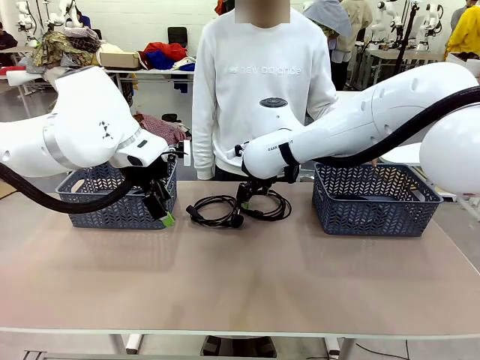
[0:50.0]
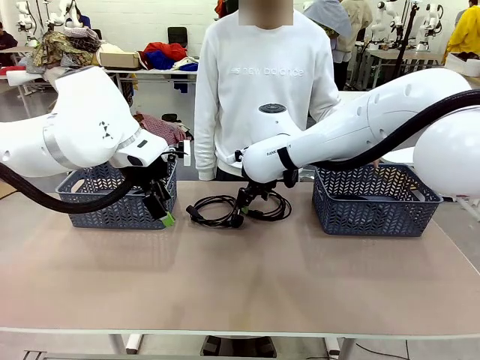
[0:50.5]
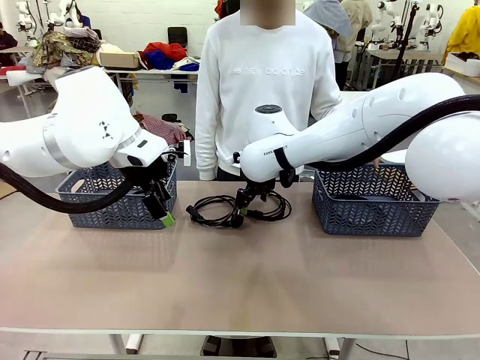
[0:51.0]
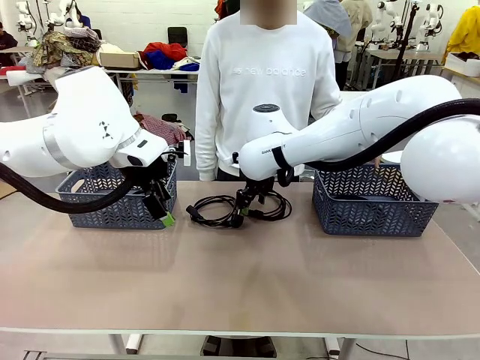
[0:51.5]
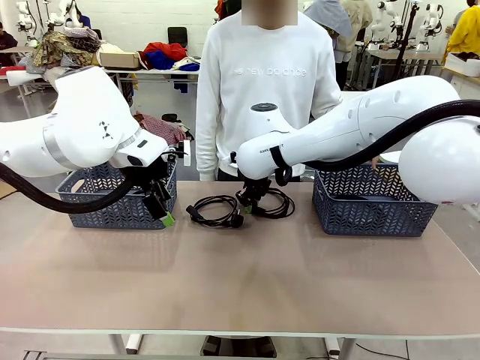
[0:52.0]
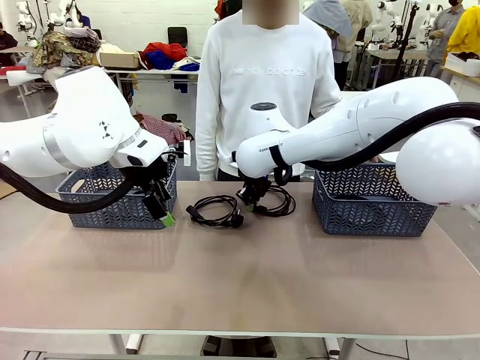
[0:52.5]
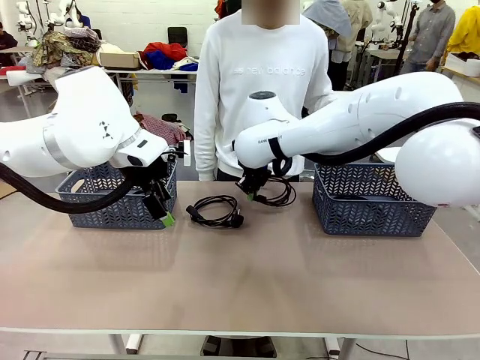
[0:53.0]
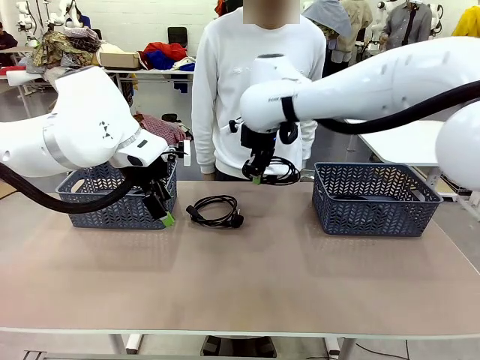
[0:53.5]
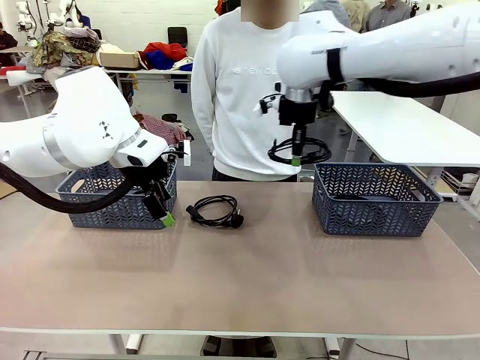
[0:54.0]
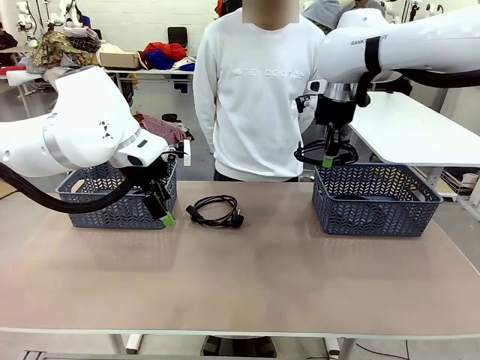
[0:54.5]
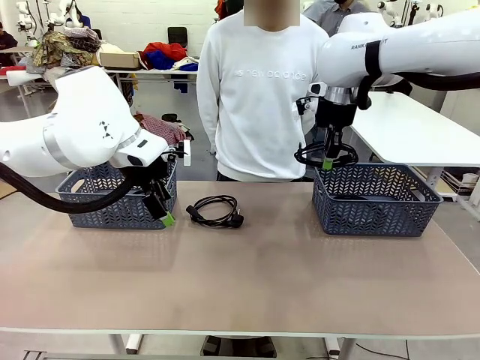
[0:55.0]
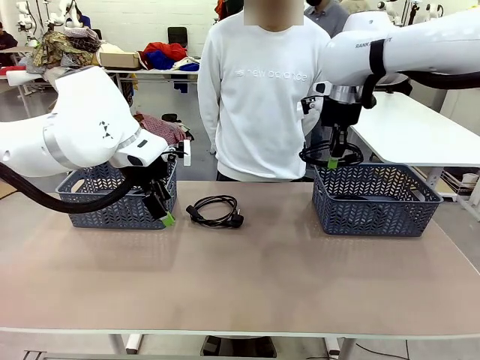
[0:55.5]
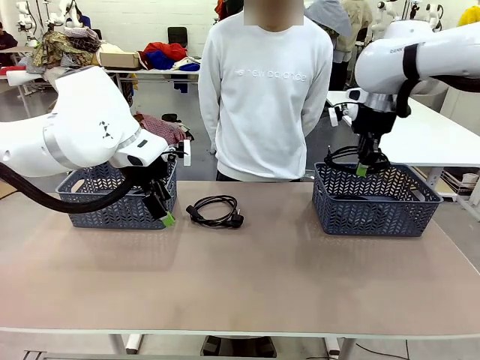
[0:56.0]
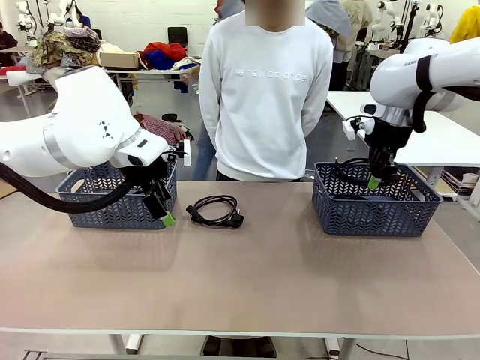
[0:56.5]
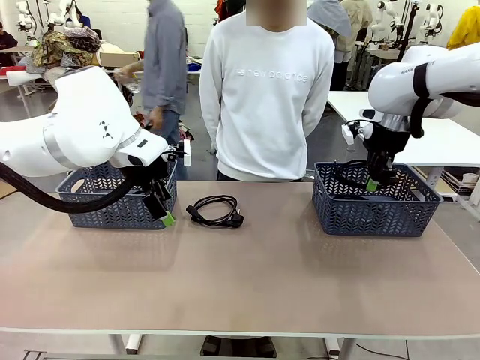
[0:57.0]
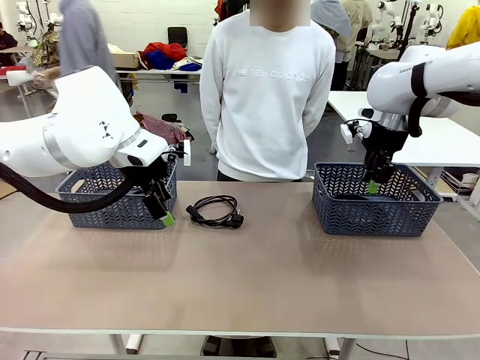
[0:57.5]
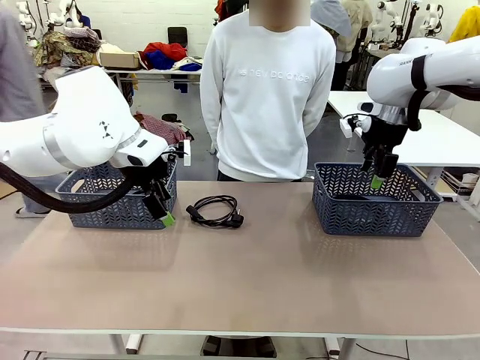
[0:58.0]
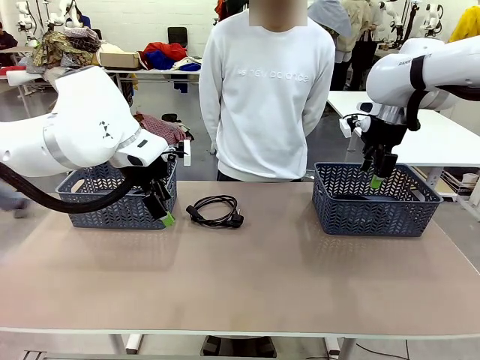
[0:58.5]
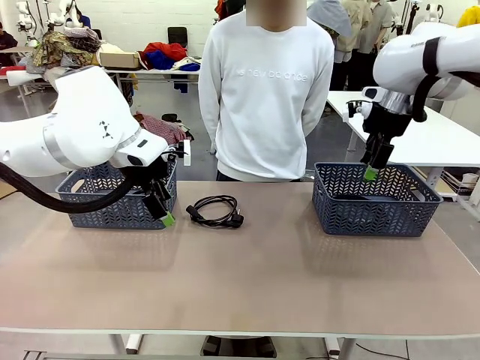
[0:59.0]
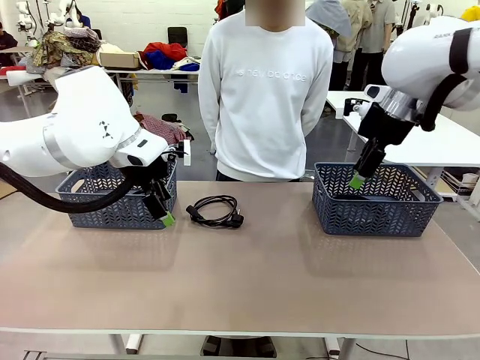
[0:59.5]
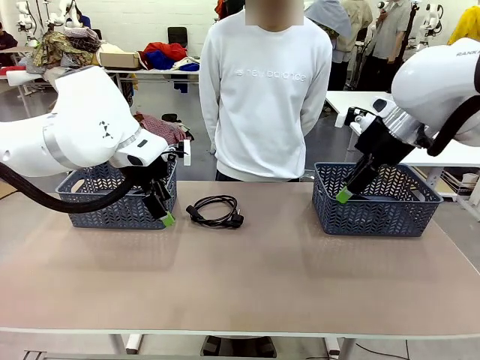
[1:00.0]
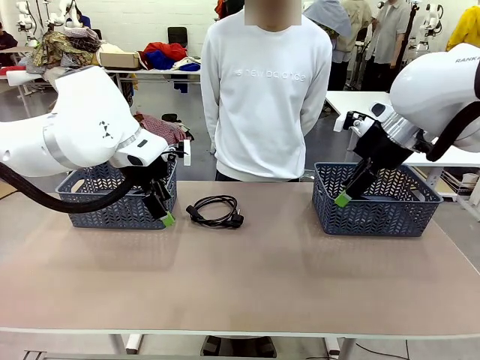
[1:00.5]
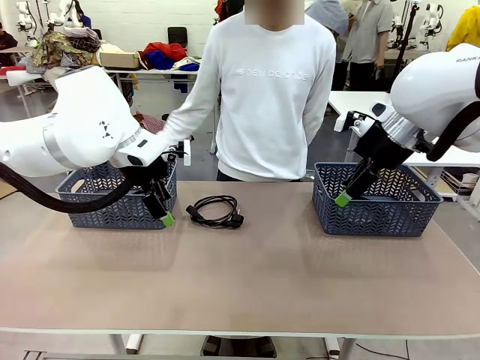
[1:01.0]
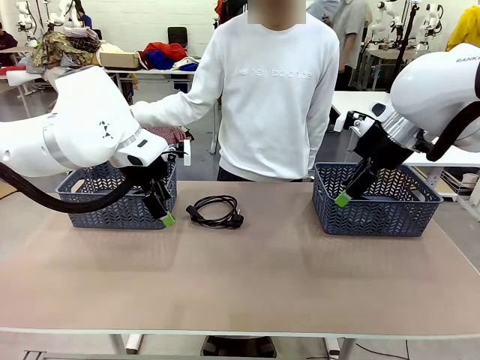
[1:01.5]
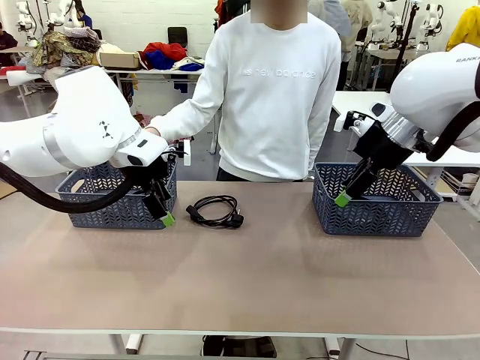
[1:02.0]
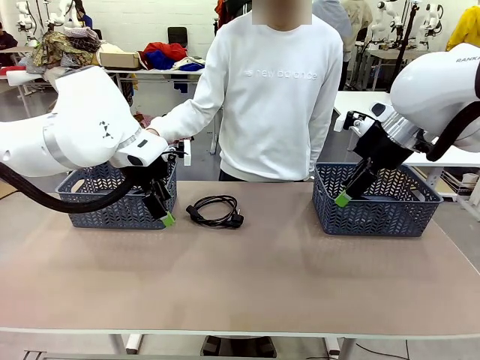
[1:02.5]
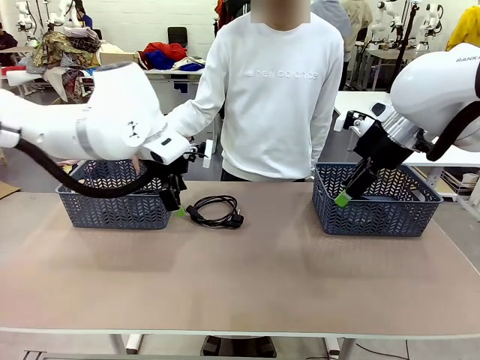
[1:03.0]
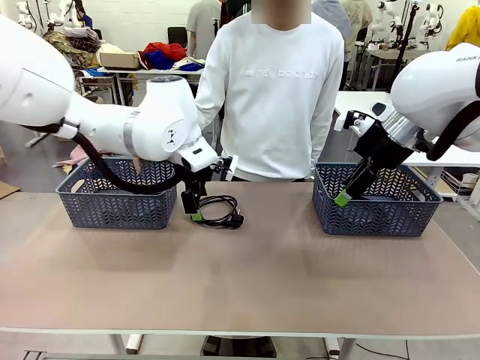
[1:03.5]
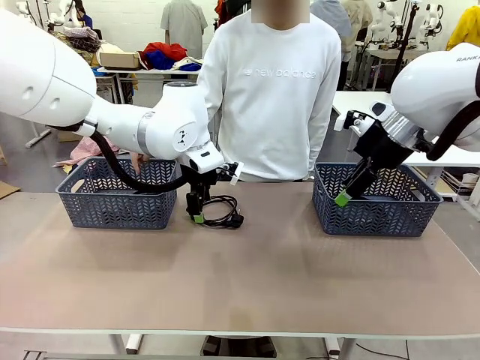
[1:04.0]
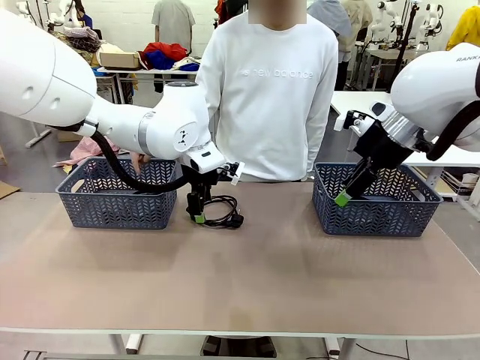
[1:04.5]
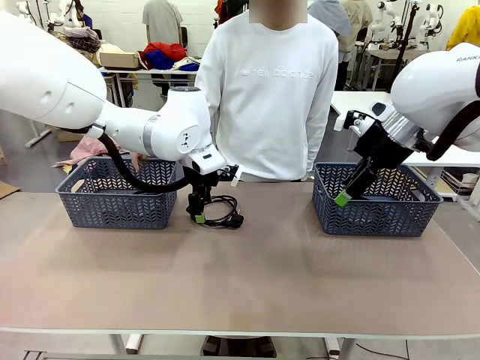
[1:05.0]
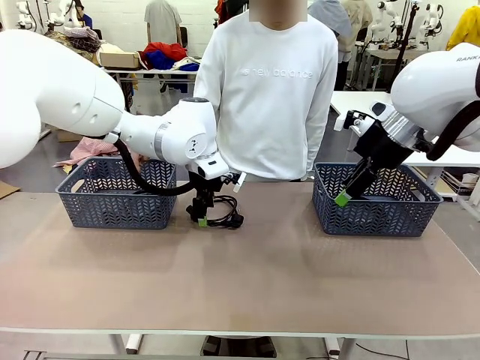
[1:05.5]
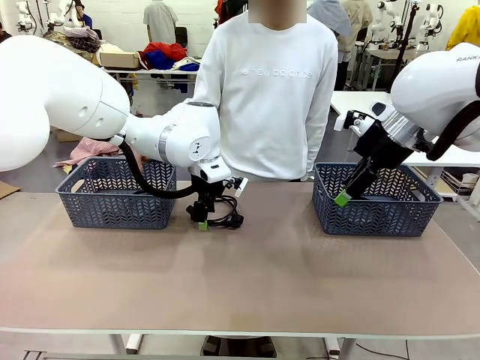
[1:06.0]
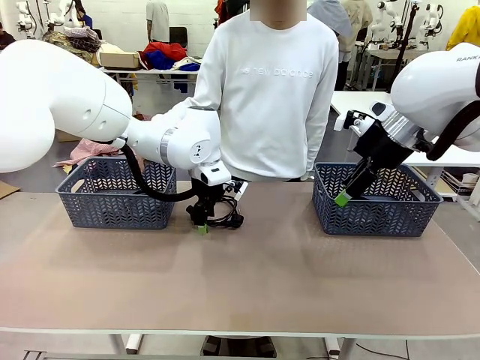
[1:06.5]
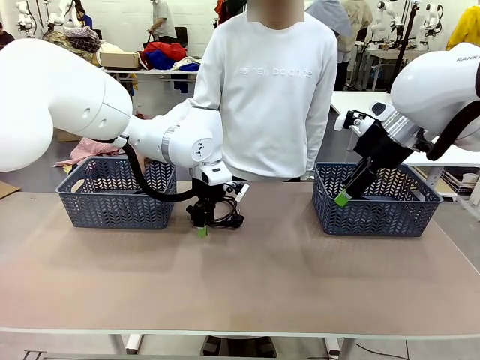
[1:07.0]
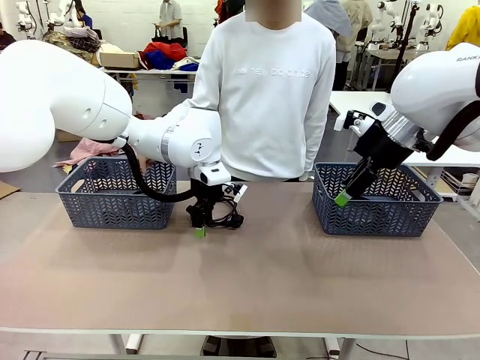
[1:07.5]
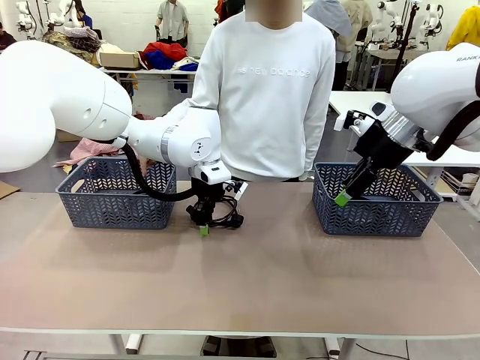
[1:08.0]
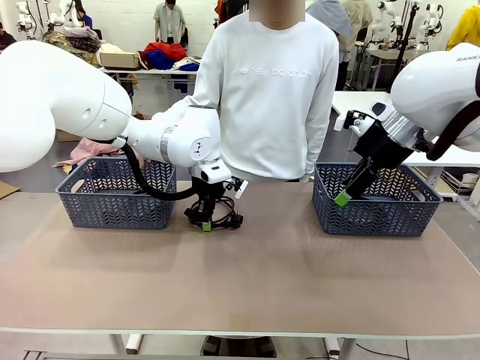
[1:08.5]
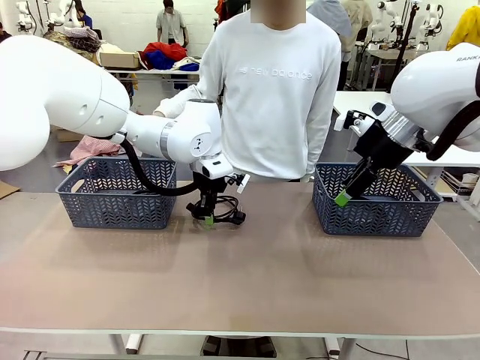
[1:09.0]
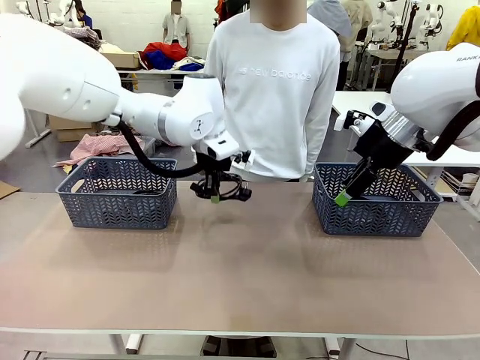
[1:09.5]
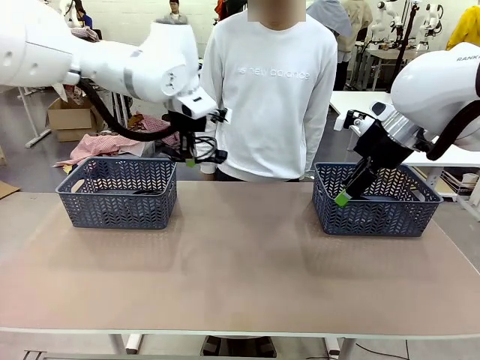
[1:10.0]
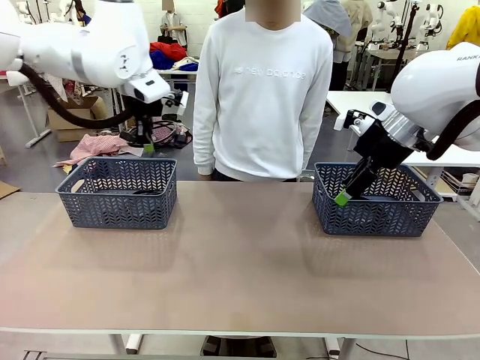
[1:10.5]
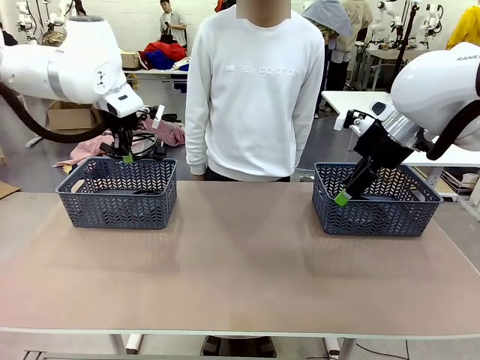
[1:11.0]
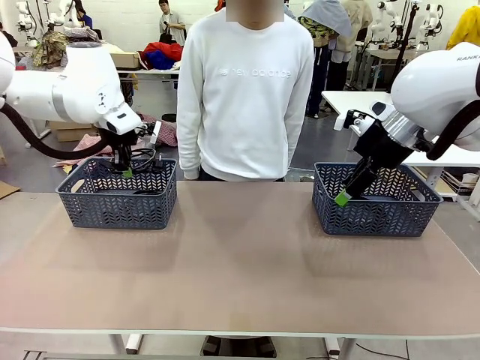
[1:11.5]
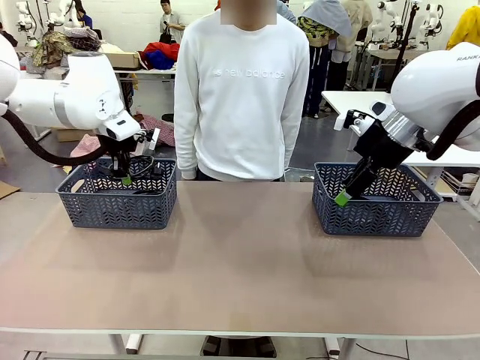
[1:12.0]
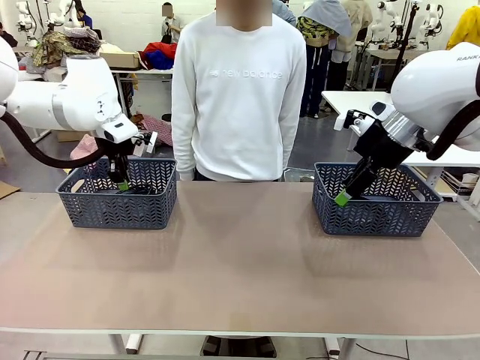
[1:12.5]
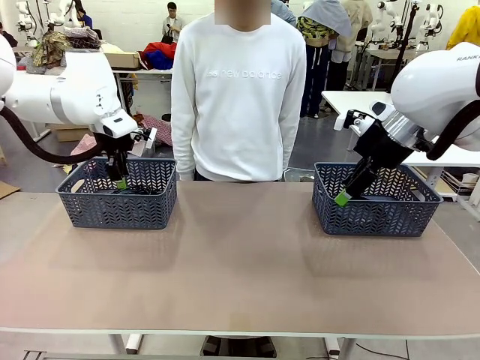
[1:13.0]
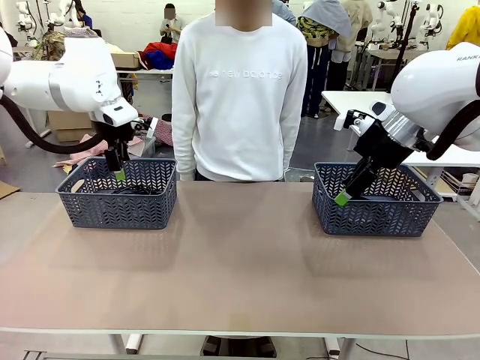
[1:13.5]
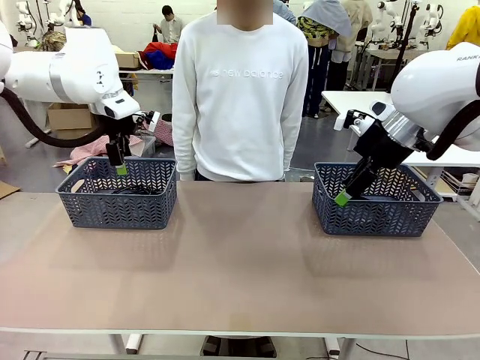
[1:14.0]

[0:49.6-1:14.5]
Task: Organize the cables according to human instructions.
Robot: Pick up a bundle of cables and place it in the basket indicated by the human.
